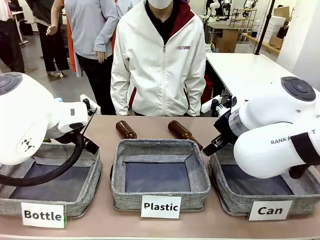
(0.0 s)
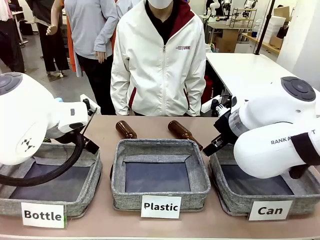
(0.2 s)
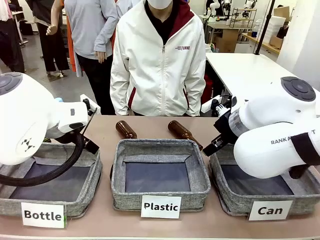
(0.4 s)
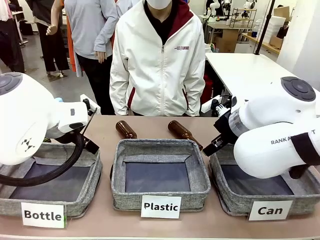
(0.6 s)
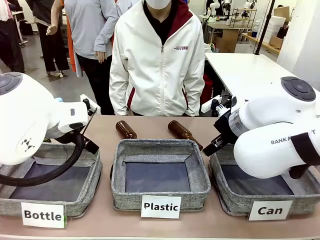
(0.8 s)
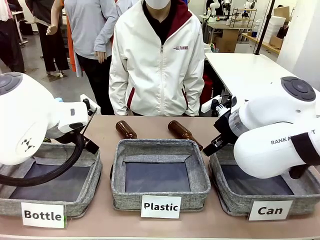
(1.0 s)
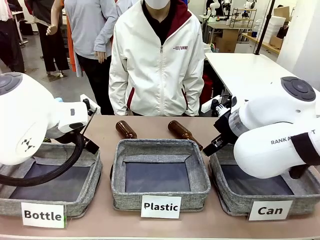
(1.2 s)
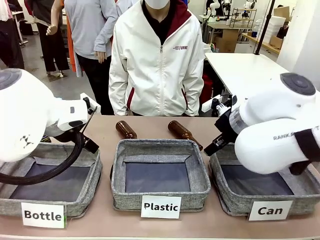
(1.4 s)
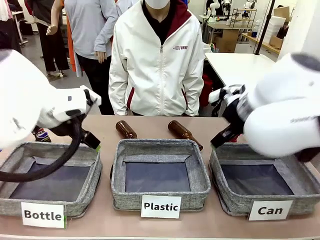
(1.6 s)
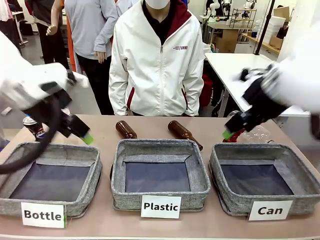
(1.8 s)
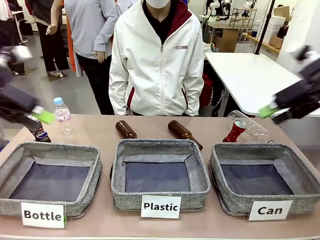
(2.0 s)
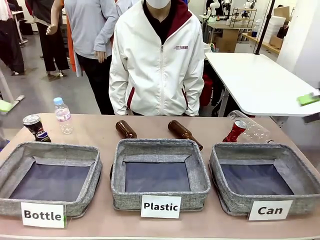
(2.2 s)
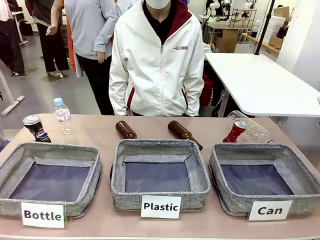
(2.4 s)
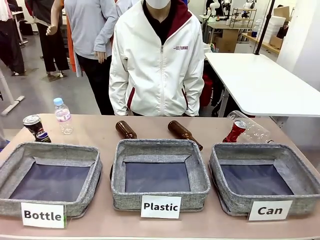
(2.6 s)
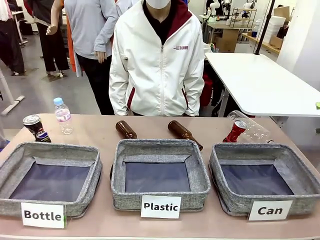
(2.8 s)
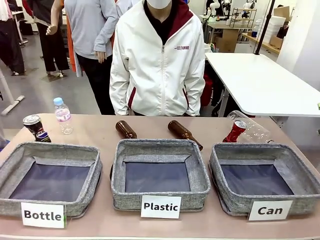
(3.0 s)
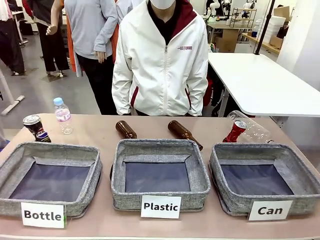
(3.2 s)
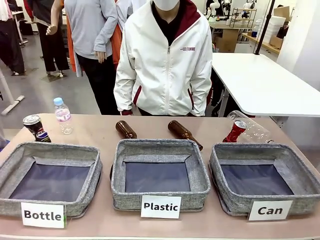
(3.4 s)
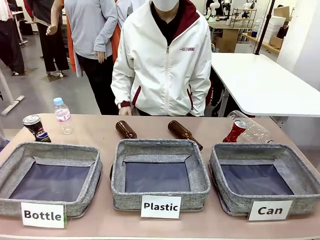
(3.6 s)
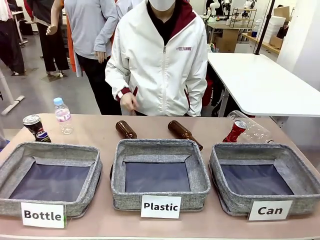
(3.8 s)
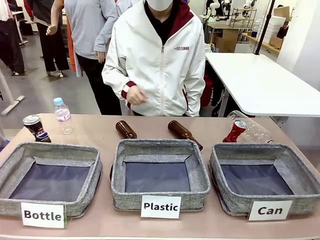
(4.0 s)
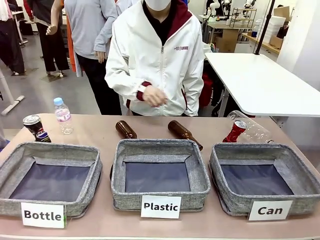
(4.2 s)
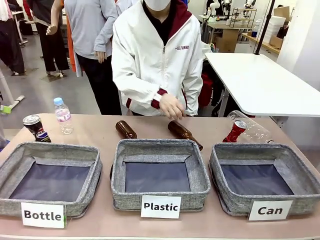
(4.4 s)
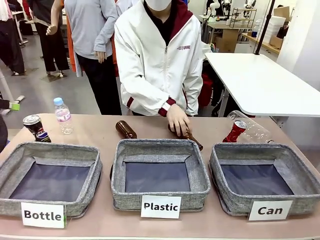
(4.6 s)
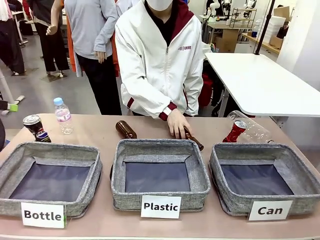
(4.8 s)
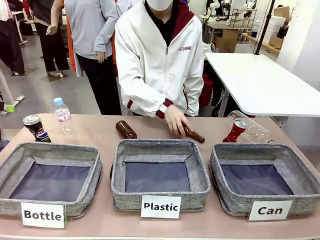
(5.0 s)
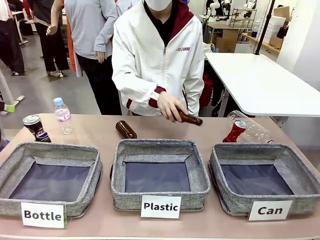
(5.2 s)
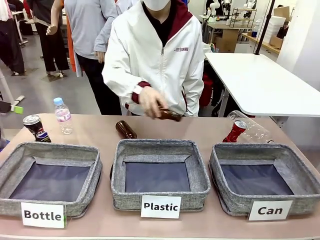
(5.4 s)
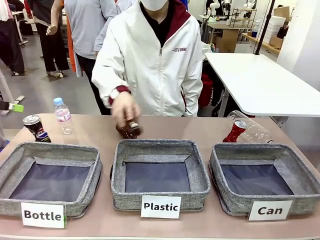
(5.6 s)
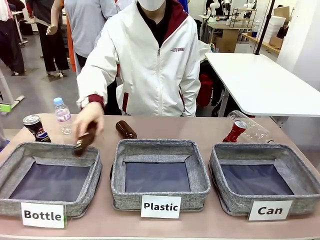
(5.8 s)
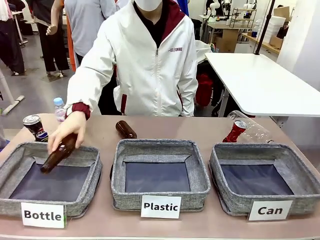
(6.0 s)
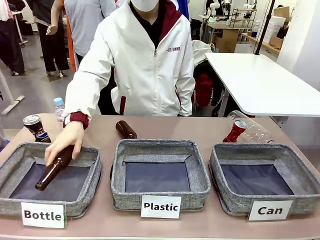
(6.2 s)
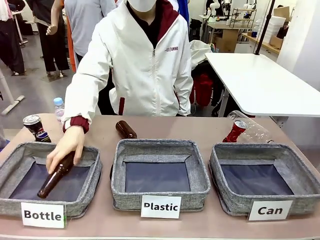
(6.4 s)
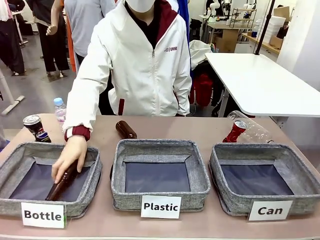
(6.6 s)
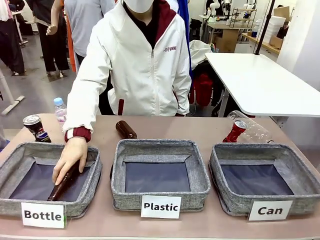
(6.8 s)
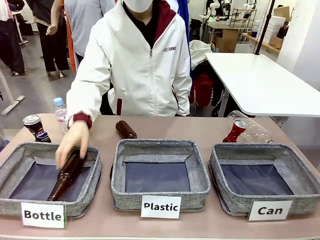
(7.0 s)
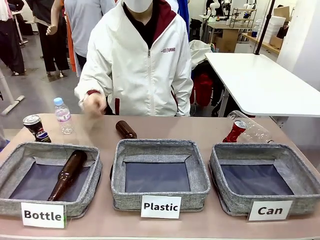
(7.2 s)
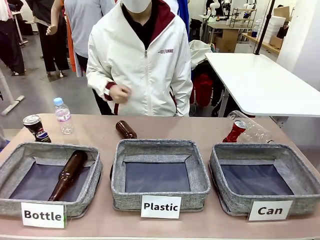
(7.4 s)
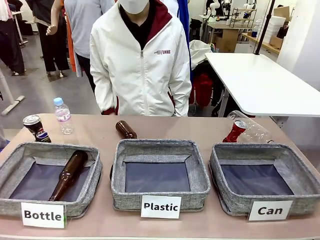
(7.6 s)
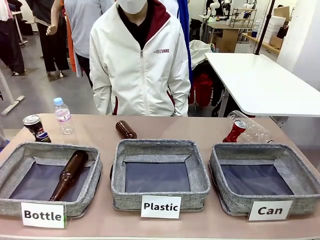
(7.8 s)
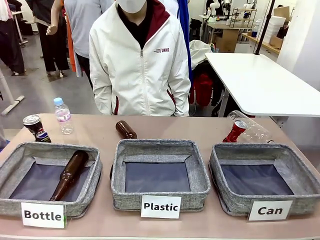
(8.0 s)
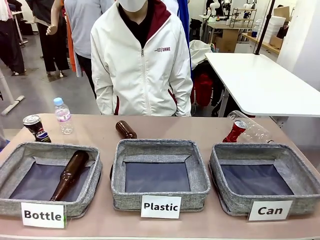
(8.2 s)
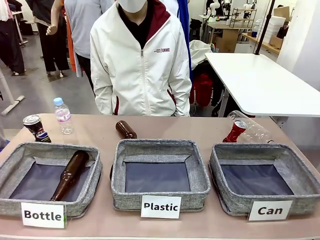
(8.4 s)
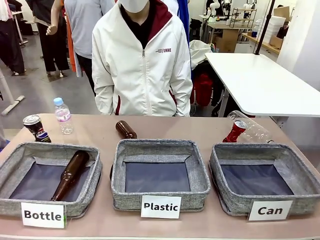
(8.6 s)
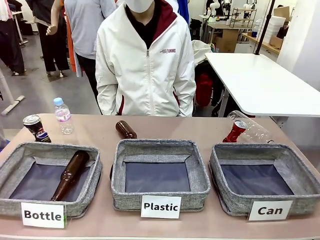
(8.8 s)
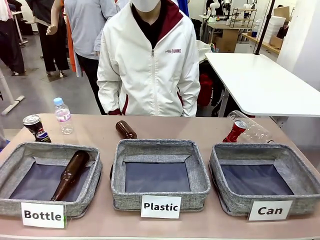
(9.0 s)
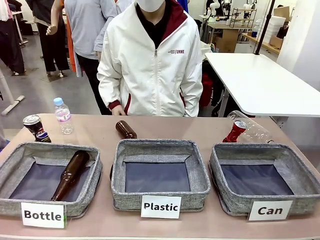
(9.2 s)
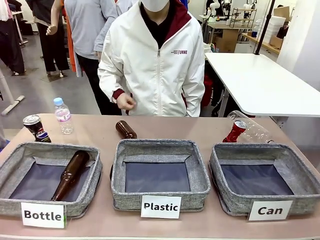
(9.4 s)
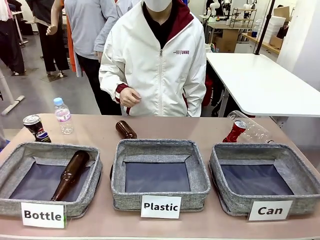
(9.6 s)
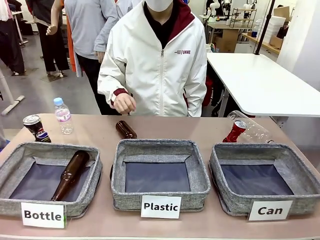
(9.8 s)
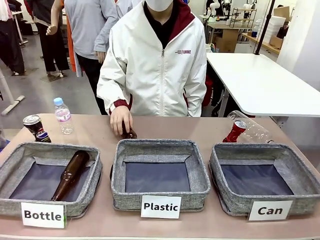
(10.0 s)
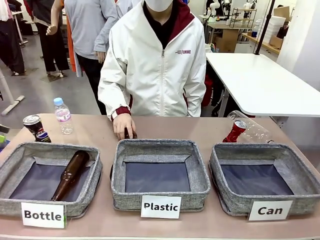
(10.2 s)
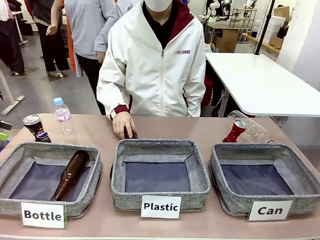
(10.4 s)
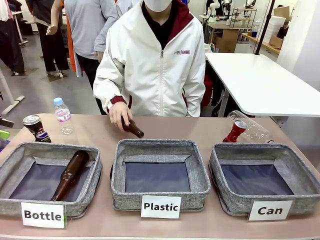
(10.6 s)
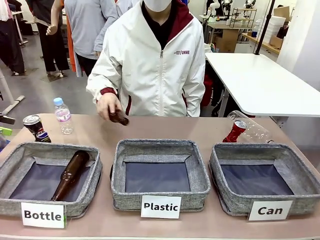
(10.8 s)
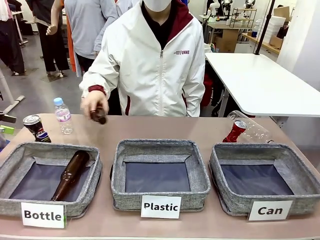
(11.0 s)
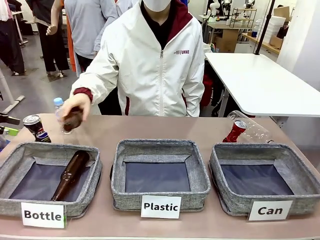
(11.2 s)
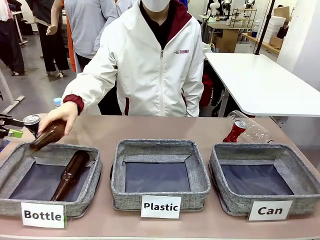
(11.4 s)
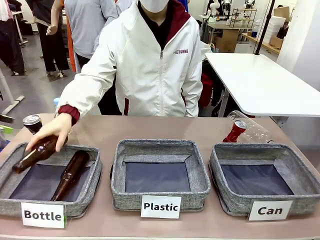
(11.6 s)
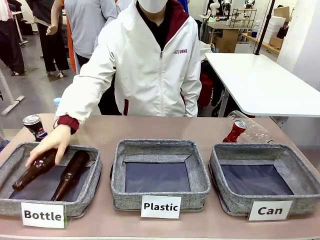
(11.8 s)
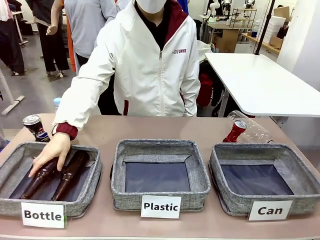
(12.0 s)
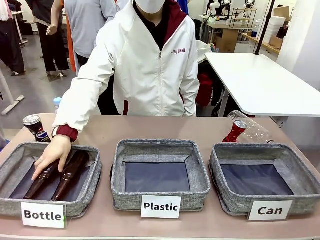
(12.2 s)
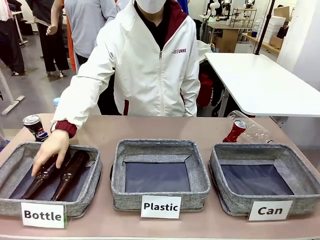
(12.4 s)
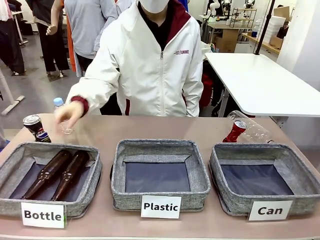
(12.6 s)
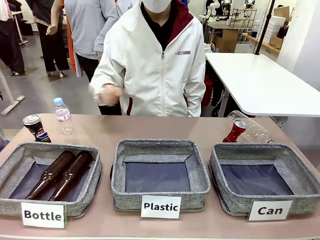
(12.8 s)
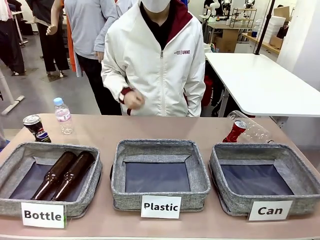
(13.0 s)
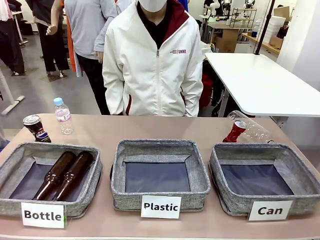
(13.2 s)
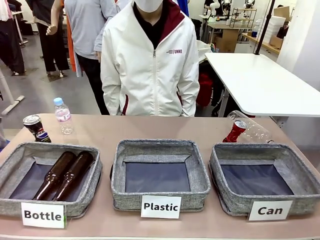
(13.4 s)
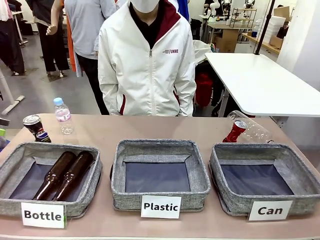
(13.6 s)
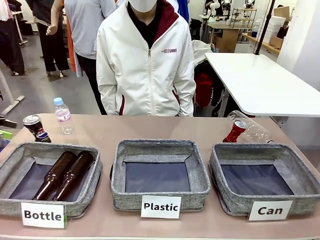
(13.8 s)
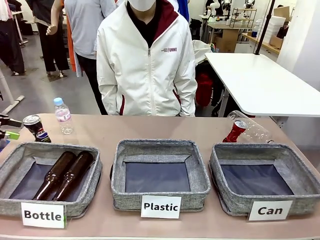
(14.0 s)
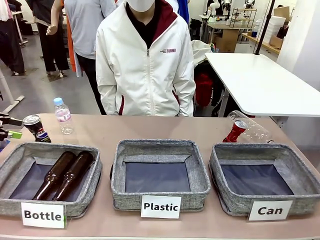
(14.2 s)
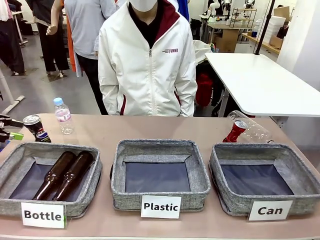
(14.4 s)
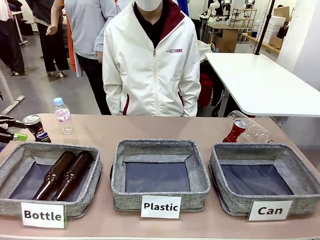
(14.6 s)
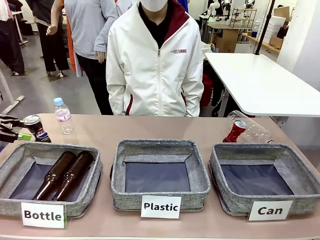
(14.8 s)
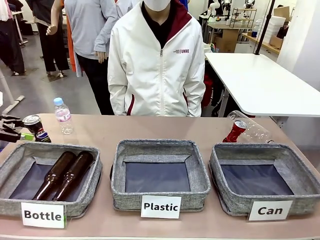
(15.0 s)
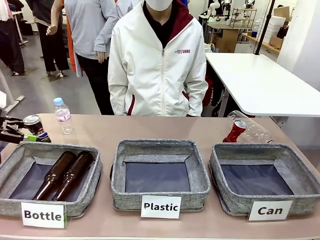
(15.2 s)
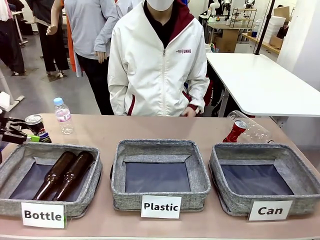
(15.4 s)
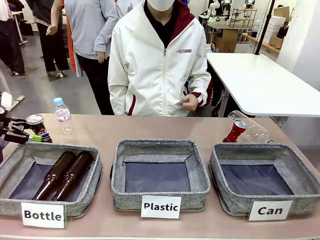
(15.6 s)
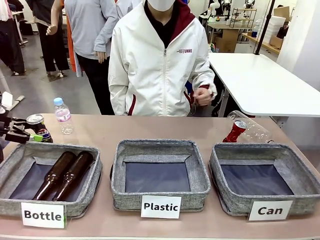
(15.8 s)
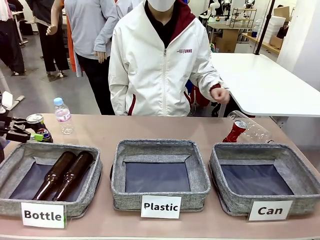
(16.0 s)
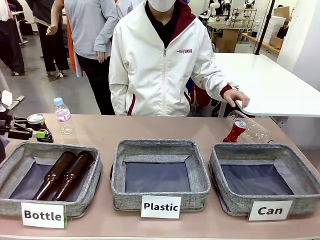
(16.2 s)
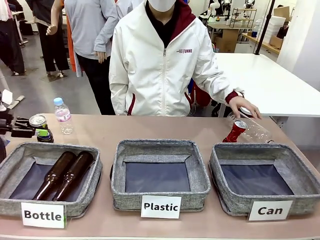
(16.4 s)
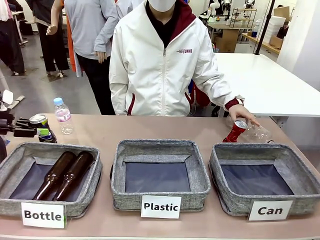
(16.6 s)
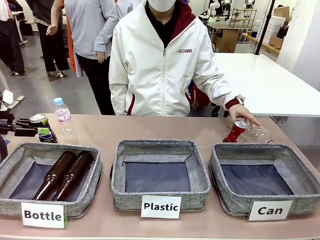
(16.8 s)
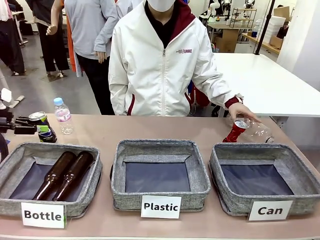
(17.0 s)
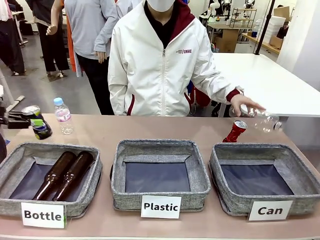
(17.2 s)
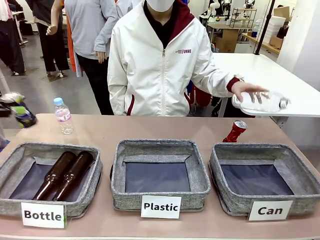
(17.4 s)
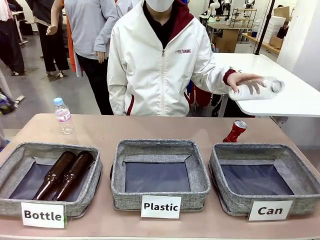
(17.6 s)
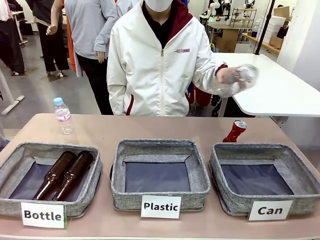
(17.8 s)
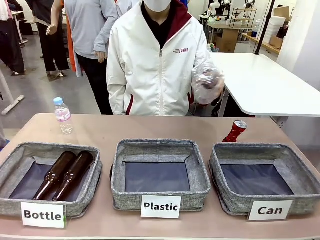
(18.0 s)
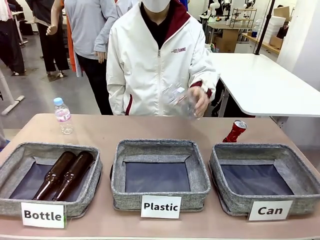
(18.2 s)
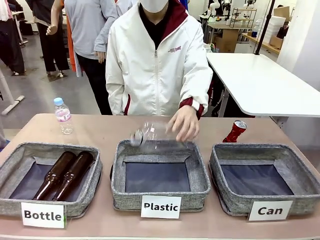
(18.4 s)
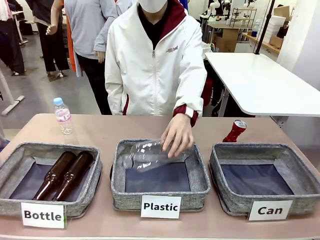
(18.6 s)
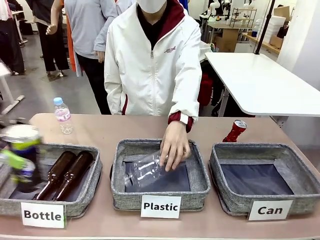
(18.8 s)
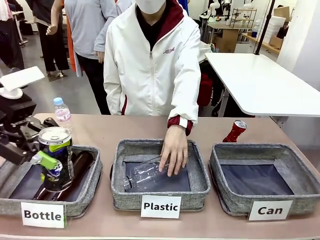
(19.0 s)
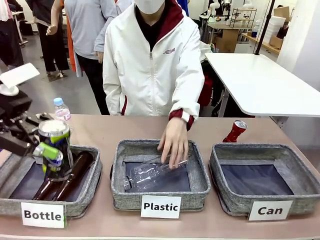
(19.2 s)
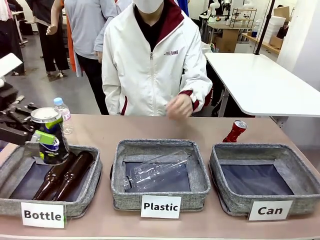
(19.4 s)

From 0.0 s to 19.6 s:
Task: Sort the can waste into the basket.
Robot: Pick up the can waste from the table and place it in the right Fabric basket.
